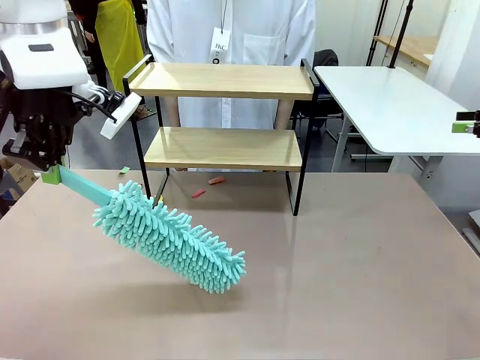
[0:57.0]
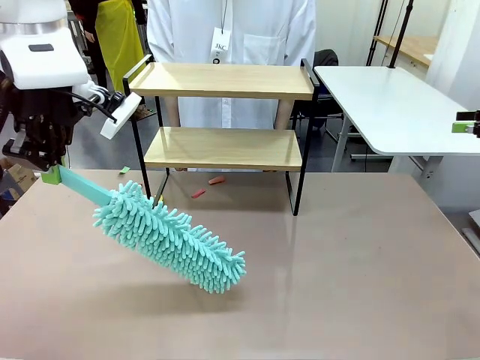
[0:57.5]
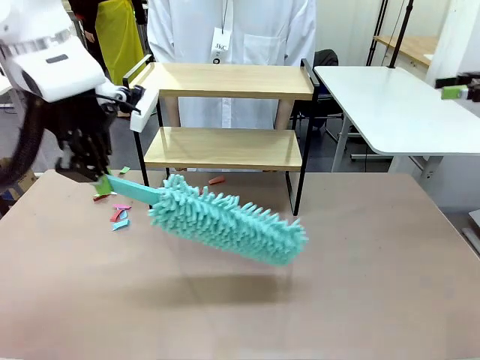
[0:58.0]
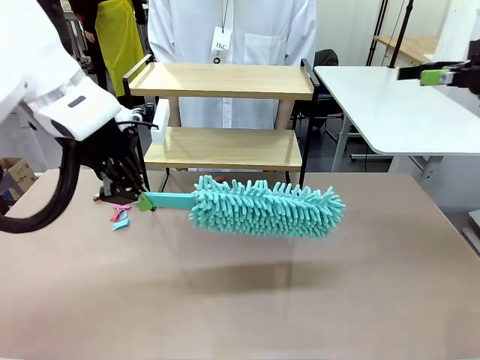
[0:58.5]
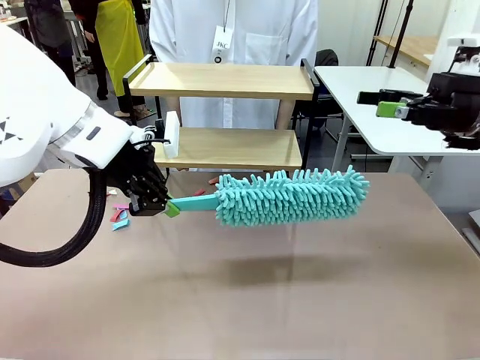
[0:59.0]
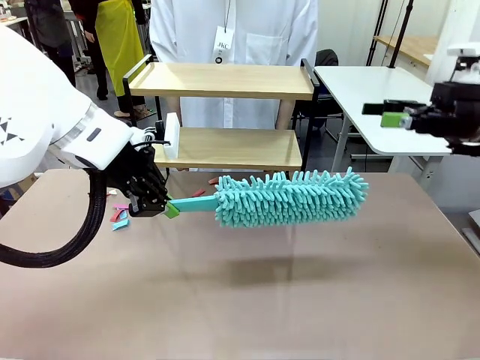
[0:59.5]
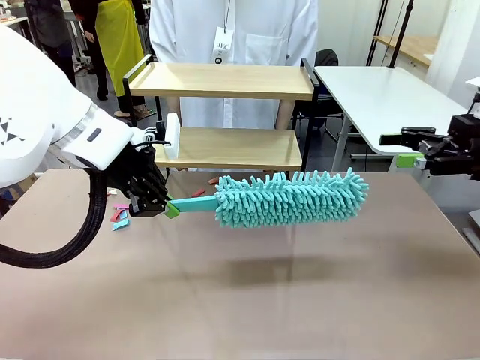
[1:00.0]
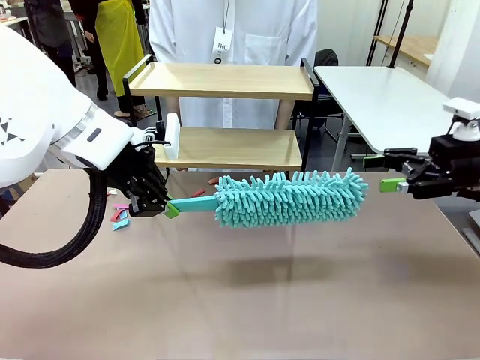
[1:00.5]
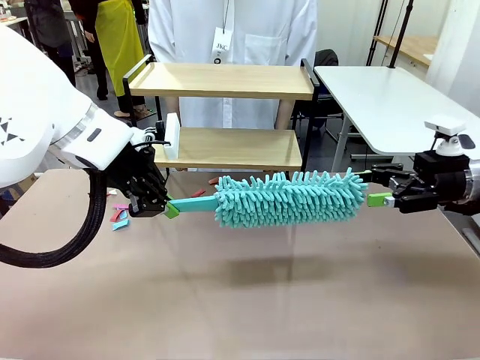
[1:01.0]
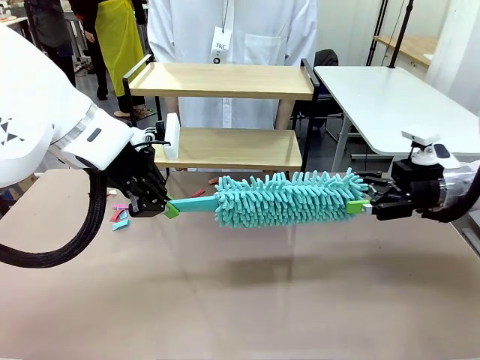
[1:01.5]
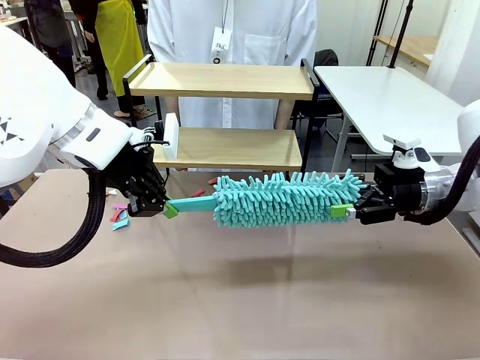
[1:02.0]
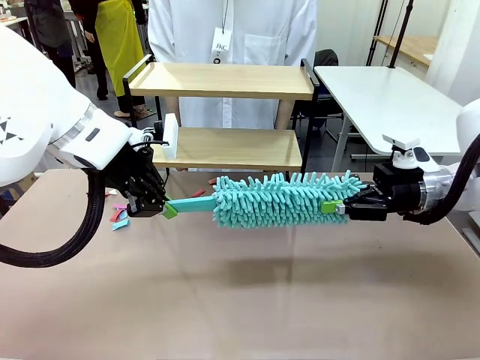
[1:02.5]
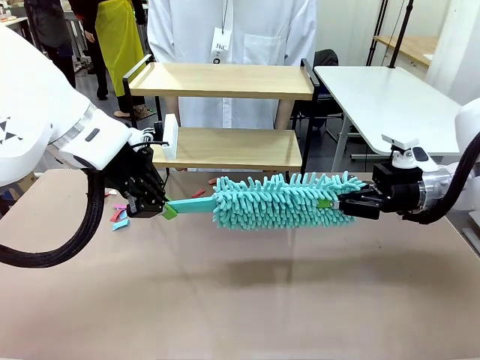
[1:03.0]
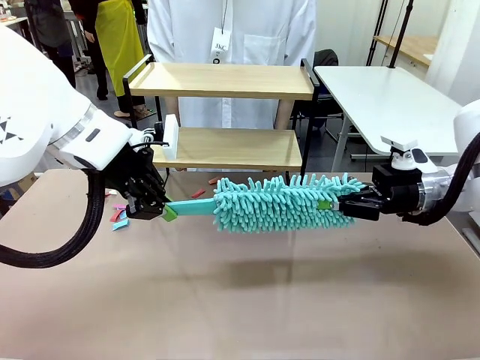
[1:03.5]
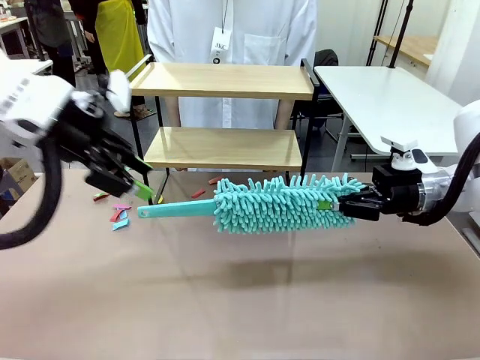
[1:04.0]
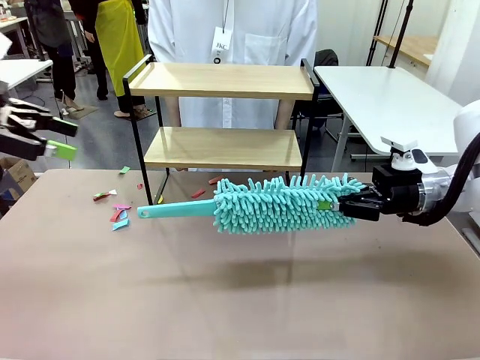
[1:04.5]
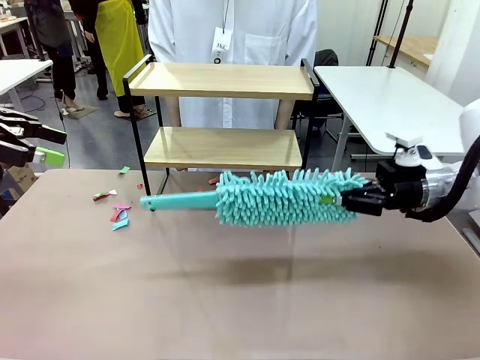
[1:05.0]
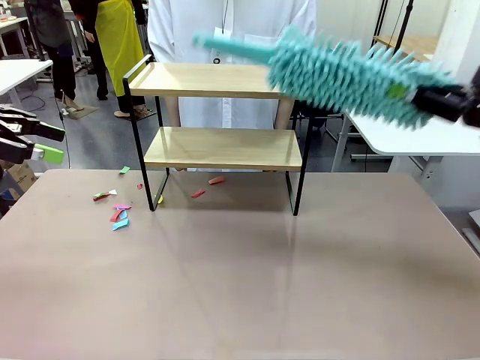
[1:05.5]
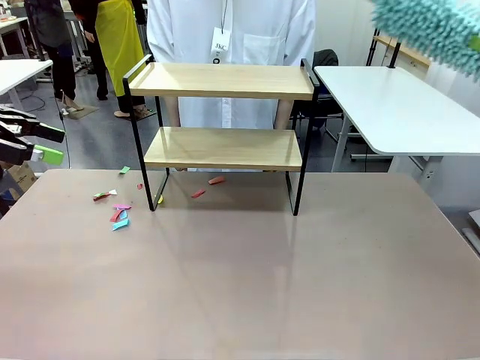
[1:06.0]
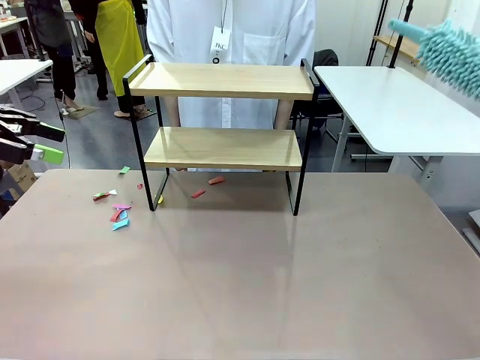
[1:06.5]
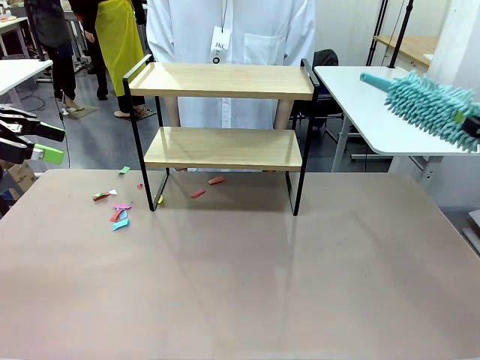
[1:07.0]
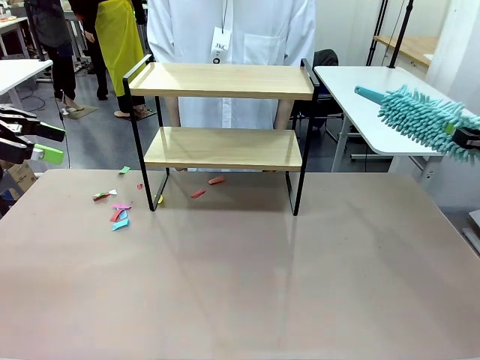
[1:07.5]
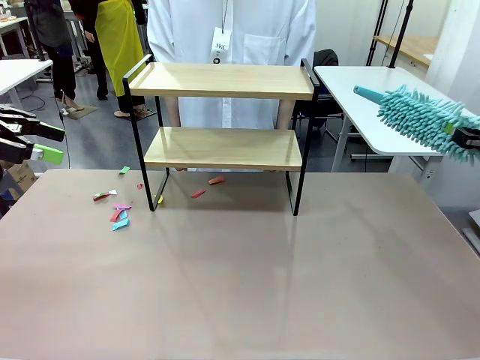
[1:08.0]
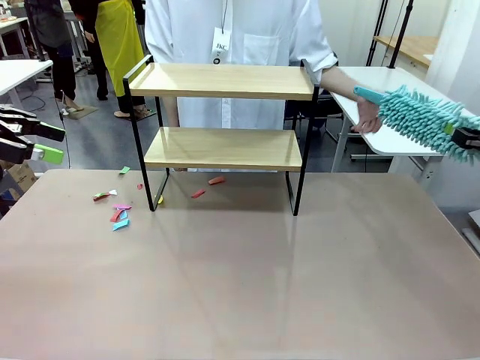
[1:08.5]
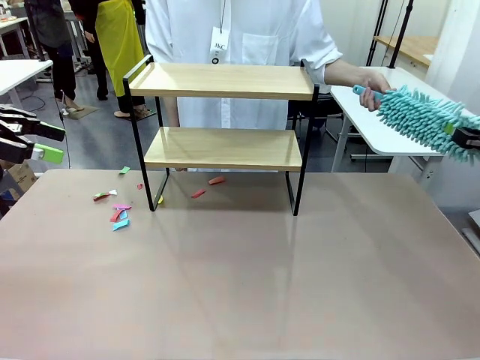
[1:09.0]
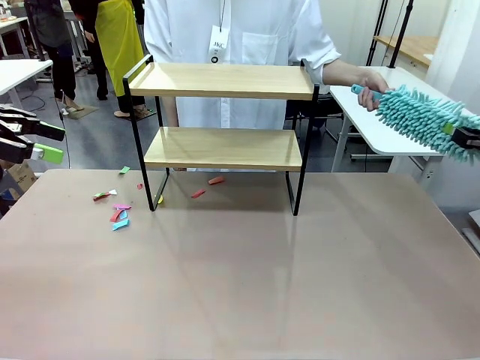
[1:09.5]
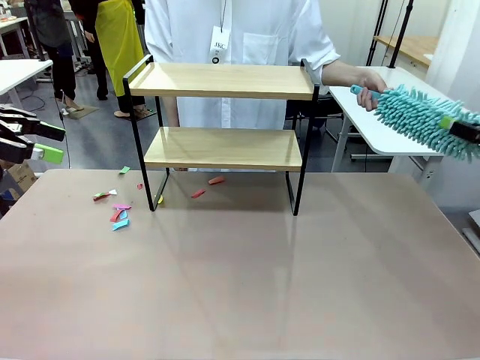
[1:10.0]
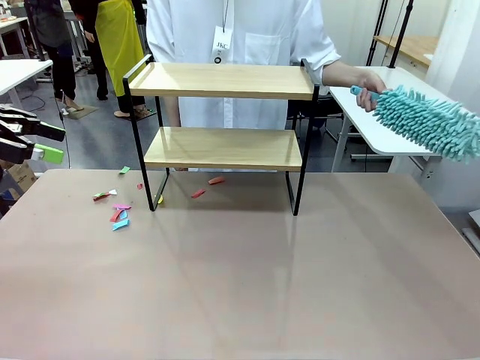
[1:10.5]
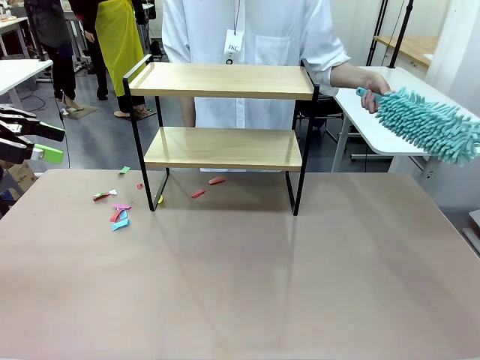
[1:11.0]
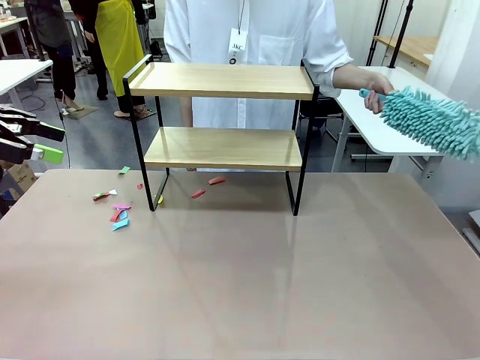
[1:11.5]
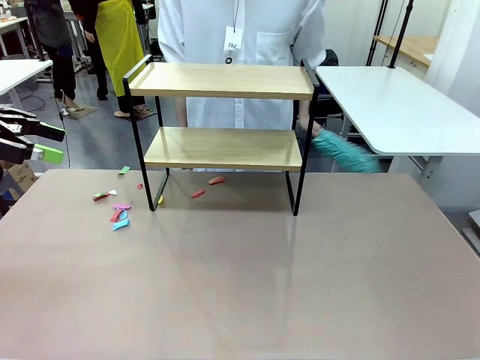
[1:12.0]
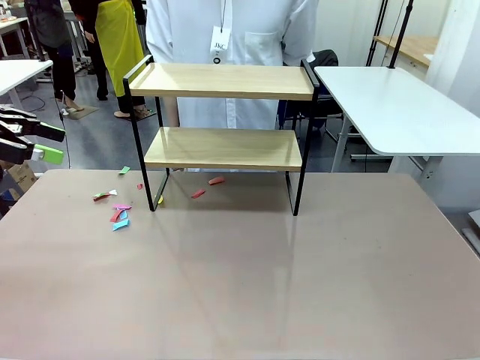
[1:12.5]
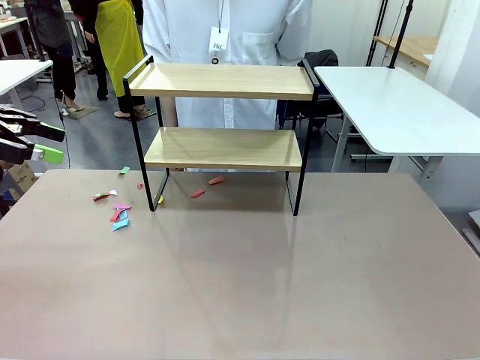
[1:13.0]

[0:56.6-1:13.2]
Task: Clean the shelf.
Robot: Hand the Duster back to the human.
Person: Receive the Duster from the robot.

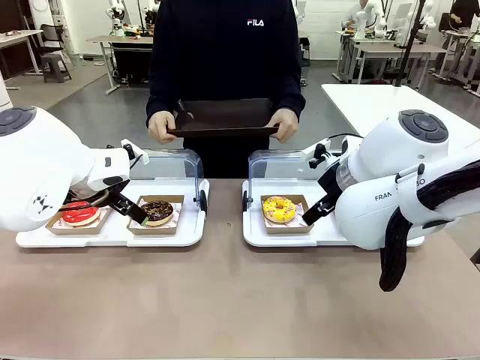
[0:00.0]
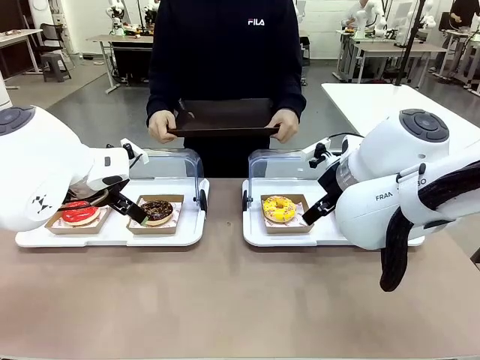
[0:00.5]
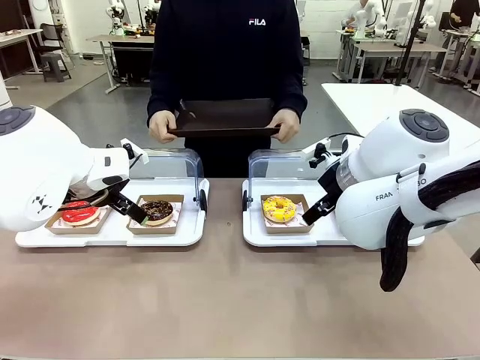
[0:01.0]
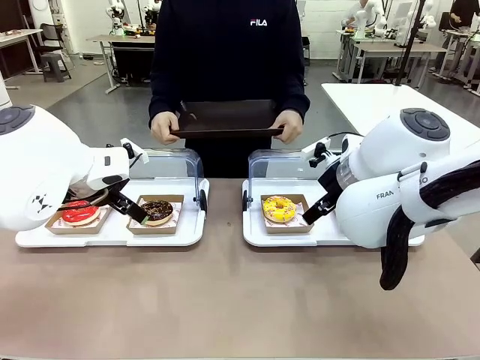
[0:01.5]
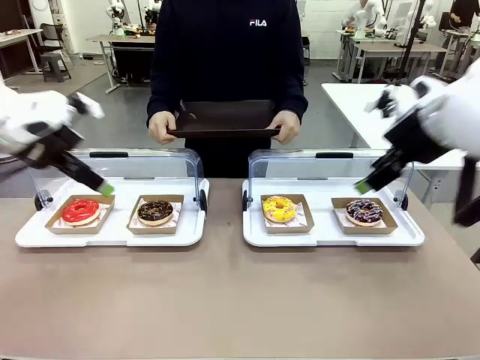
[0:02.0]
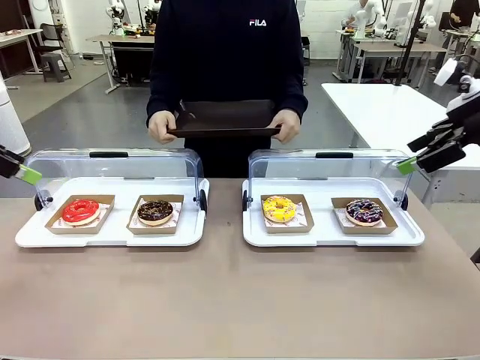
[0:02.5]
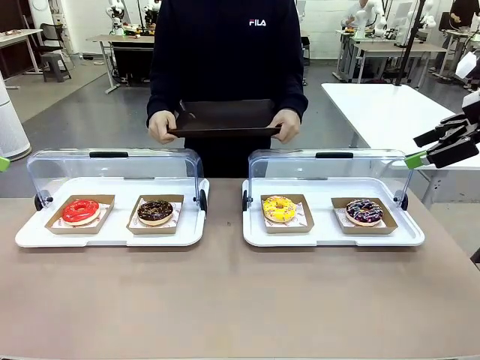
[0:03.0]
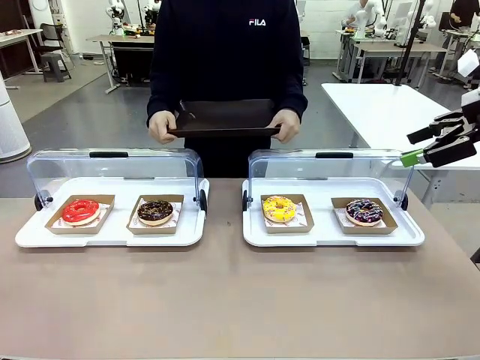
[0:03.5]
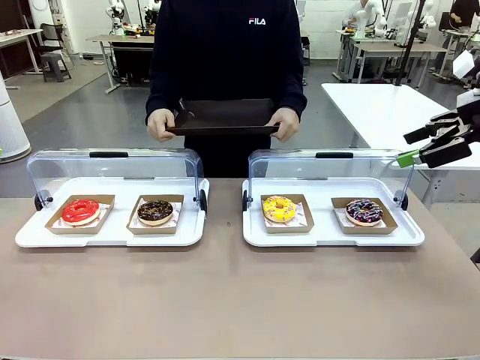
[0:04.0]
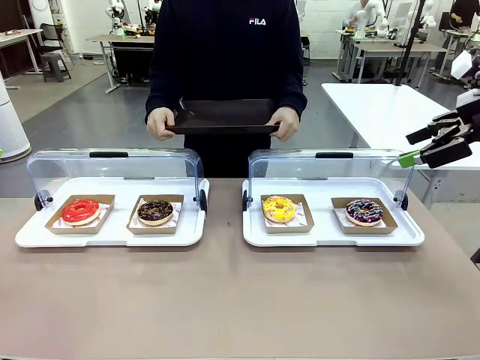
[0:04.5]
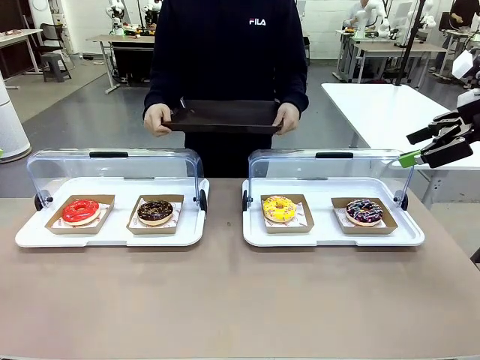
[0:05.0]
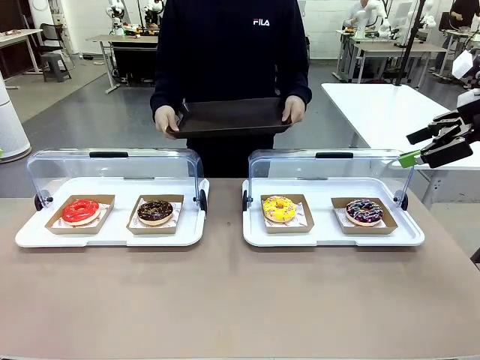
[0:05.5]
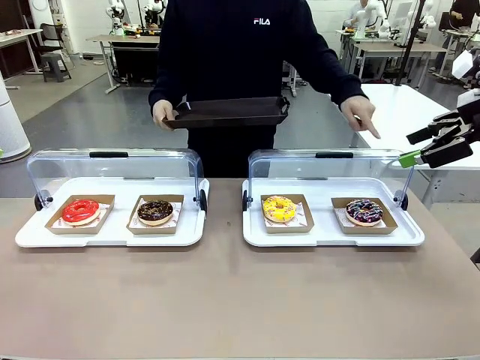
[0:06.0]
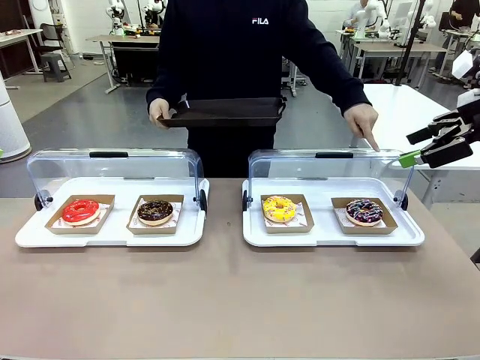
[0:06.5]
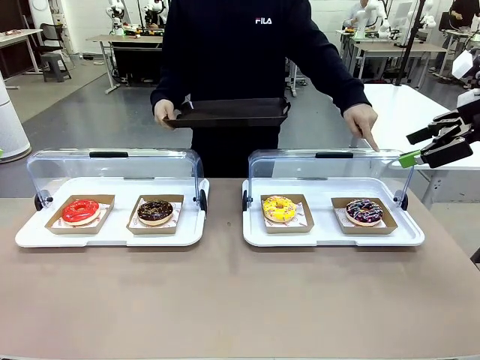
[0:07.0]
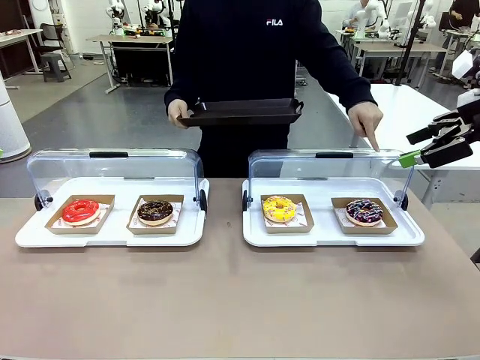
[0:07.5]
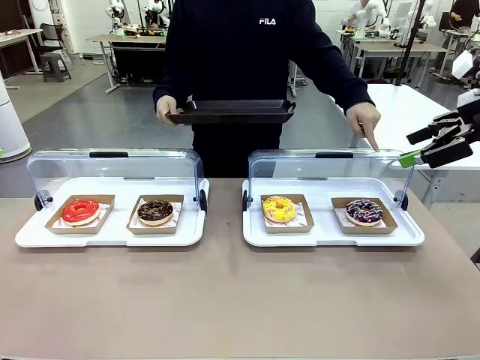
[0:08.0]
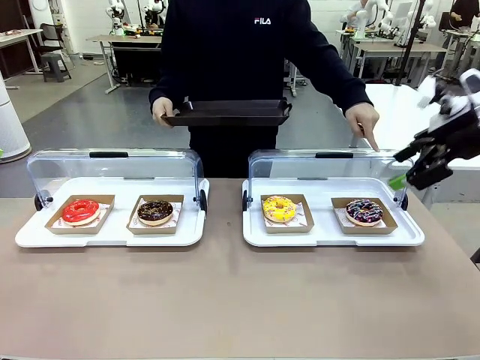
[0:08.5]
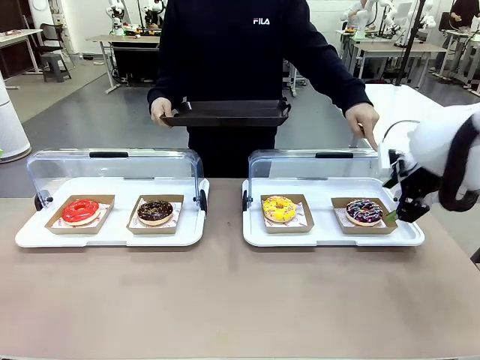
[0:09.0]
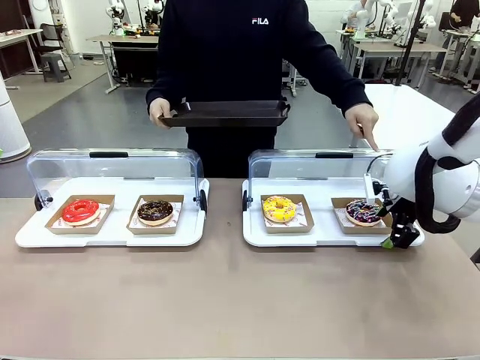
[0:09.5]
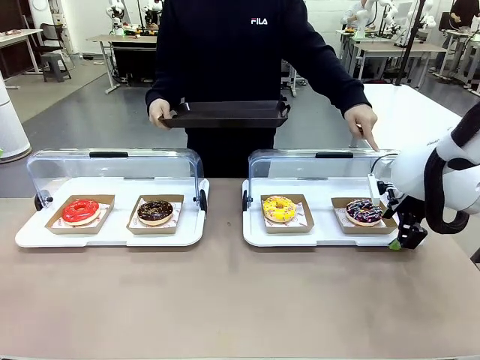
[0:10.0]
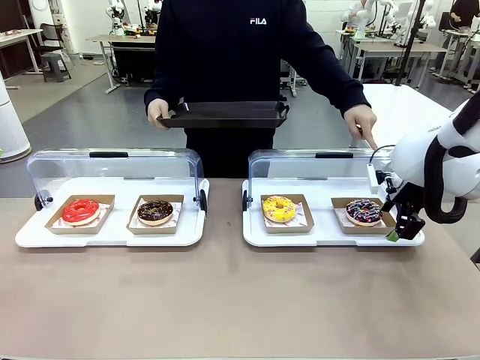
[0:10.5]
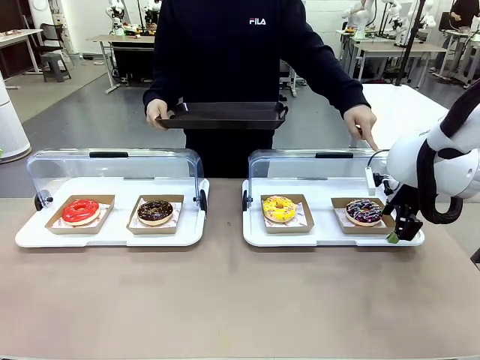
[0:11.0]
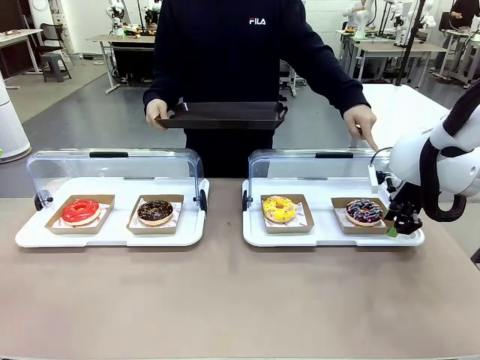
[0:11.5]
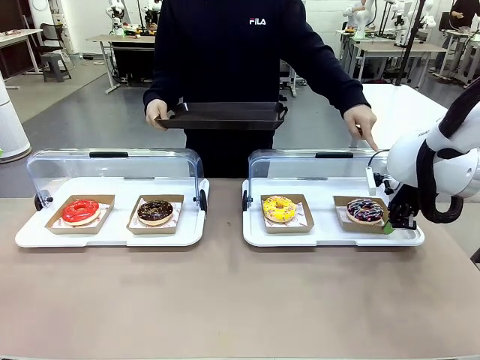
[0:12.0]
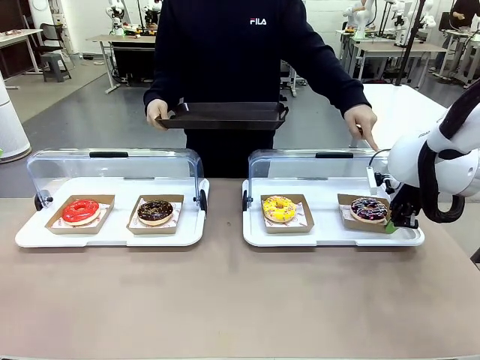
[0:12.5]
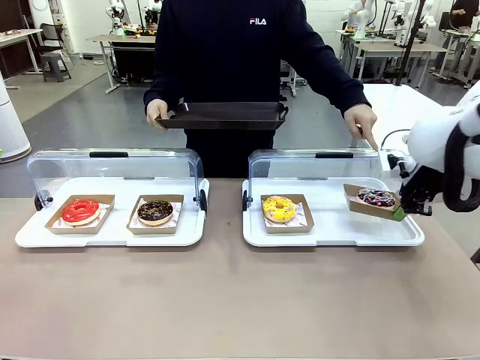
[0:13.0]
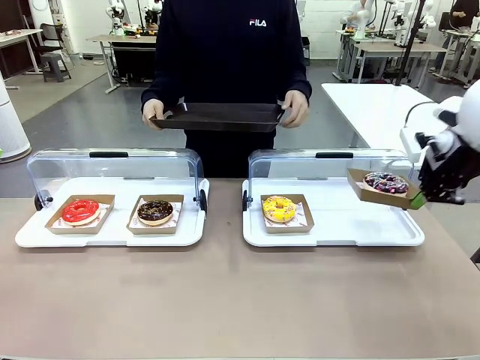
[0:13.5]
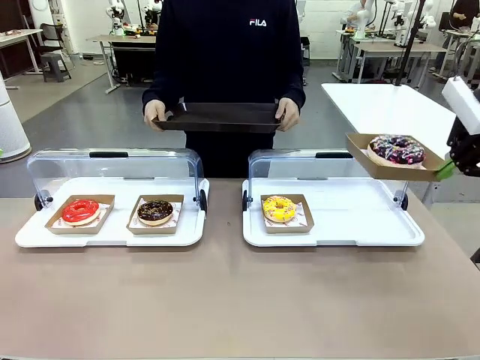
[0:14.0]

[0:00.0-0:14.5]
Task: Provide the desired donut to the person.
Robot: Pick up and lift the Paper togo box containing the Donut pointed at by the person.
Person: Point to one donut. Lift the tray onto the Roll-Top Bakery Case.
